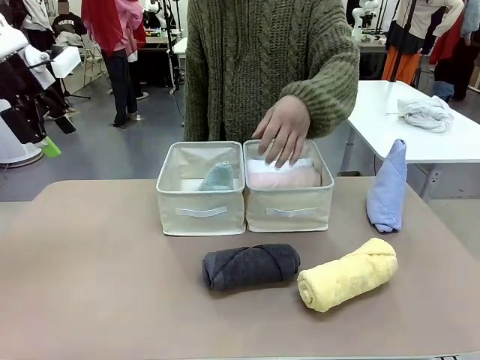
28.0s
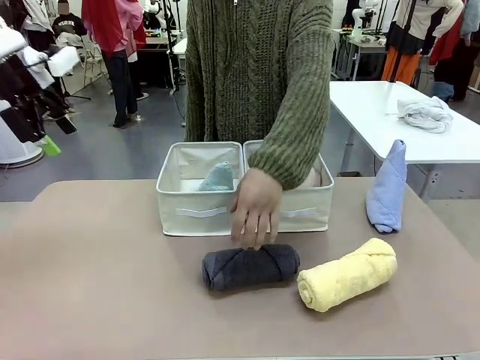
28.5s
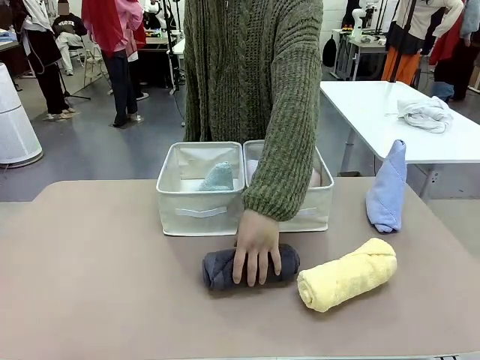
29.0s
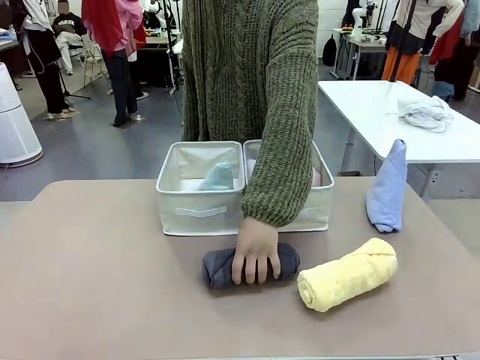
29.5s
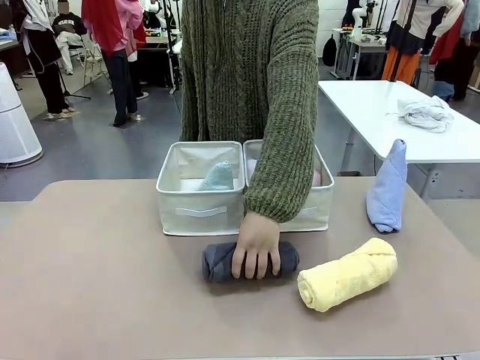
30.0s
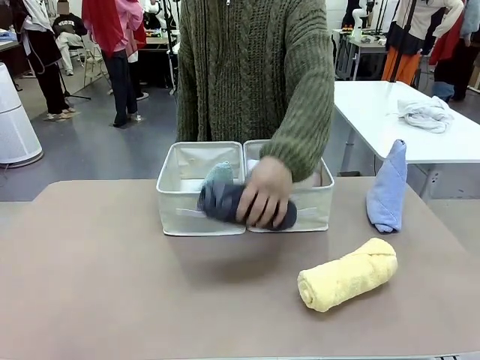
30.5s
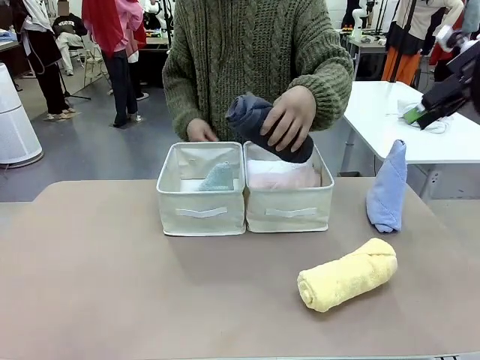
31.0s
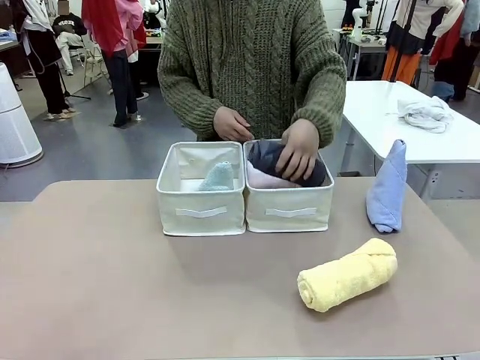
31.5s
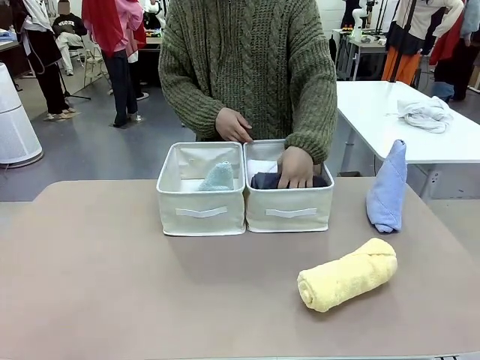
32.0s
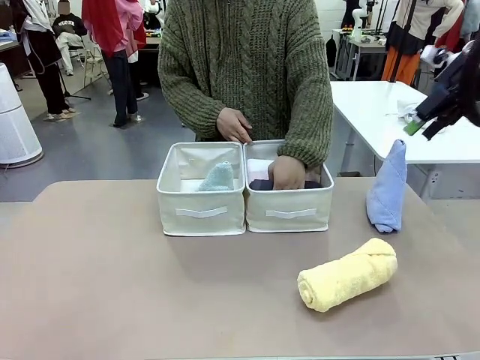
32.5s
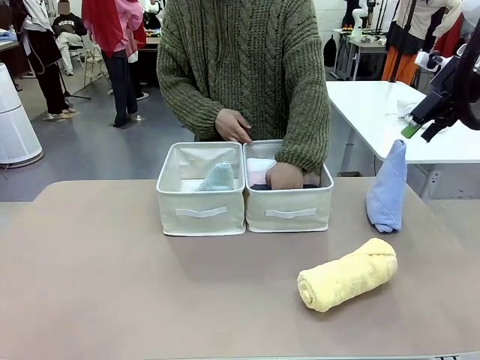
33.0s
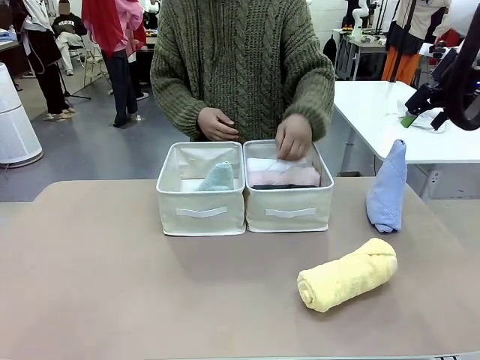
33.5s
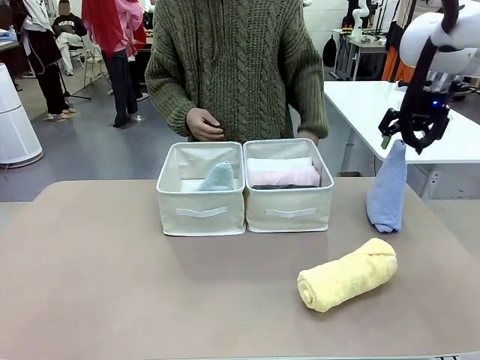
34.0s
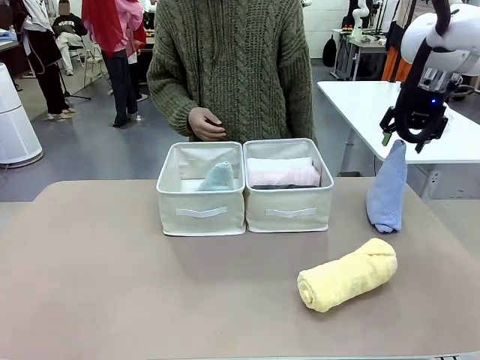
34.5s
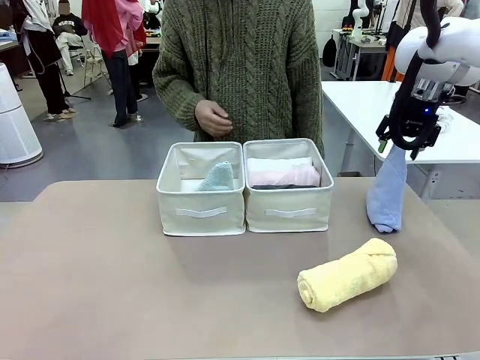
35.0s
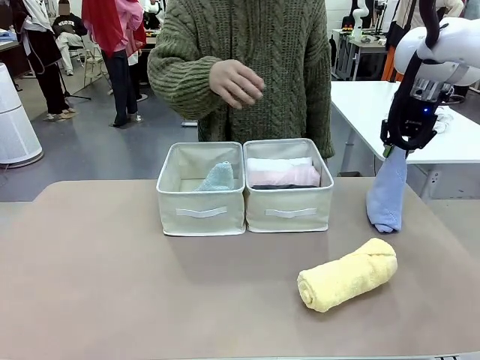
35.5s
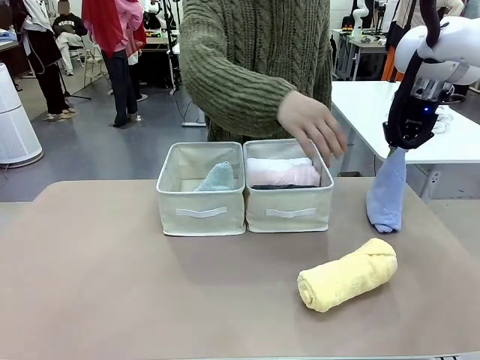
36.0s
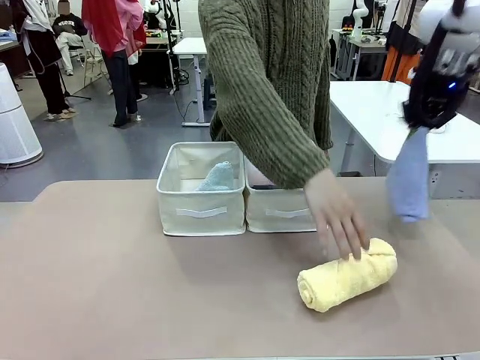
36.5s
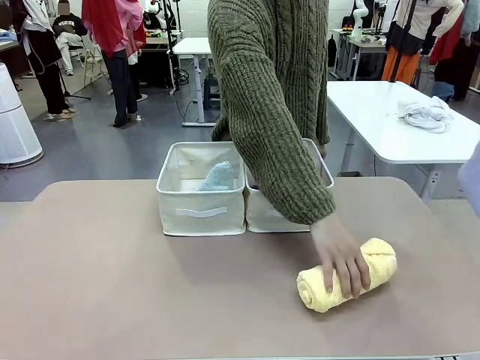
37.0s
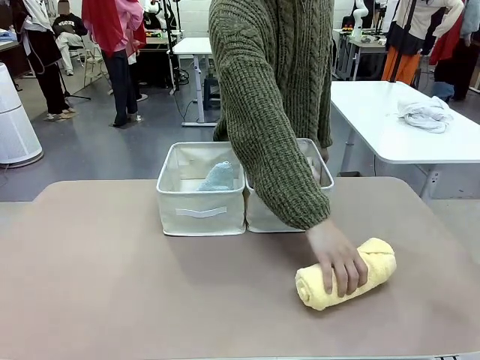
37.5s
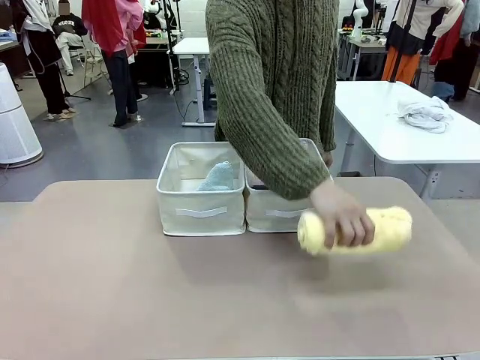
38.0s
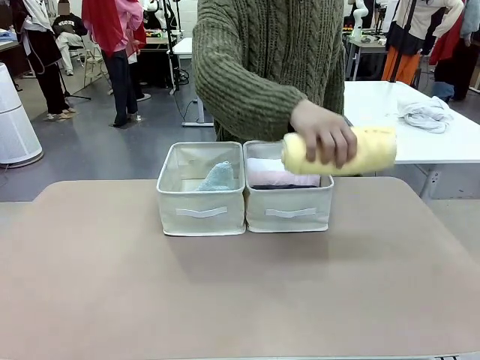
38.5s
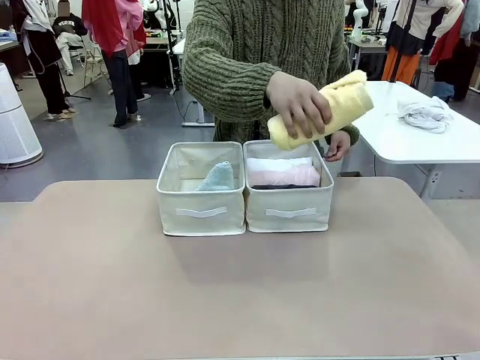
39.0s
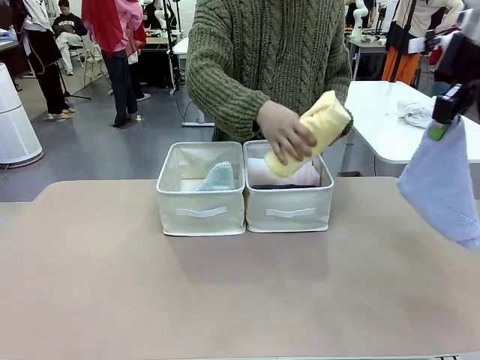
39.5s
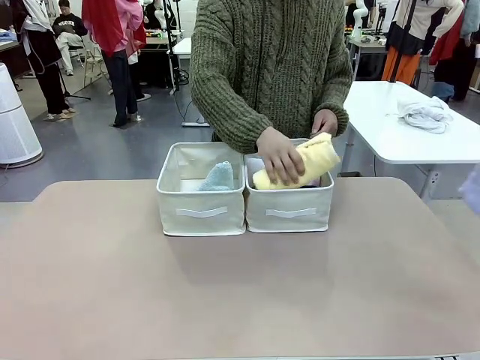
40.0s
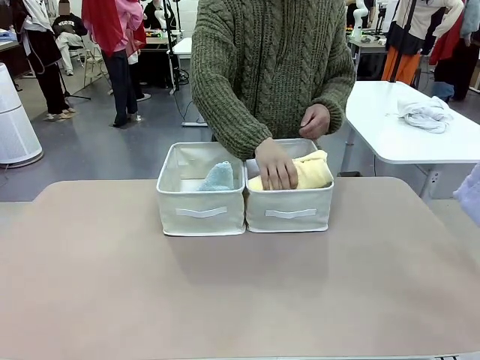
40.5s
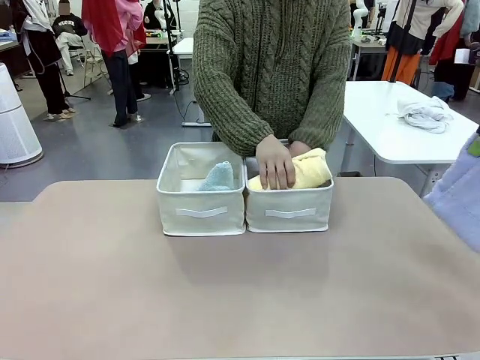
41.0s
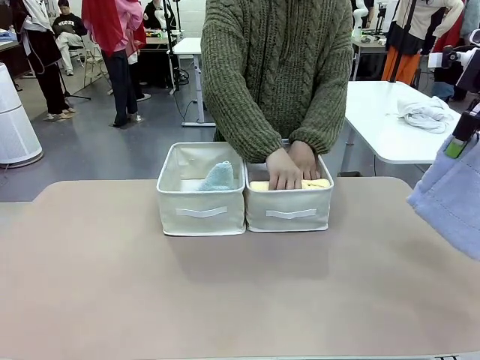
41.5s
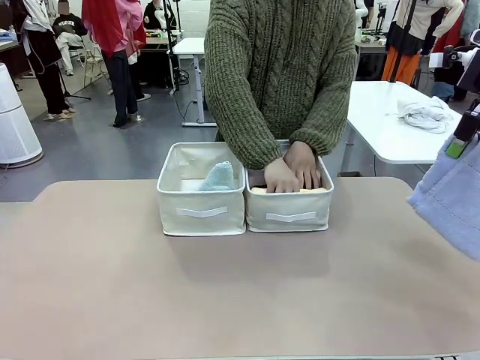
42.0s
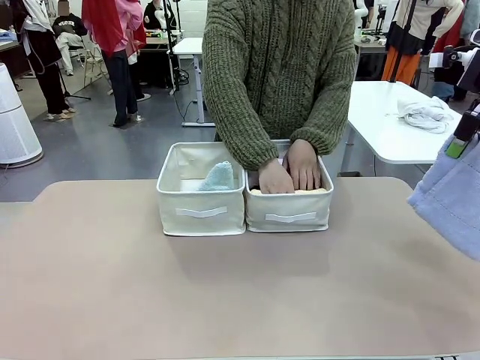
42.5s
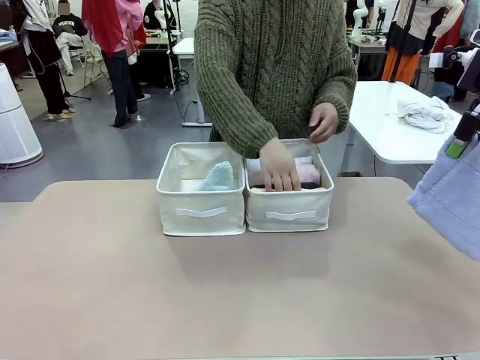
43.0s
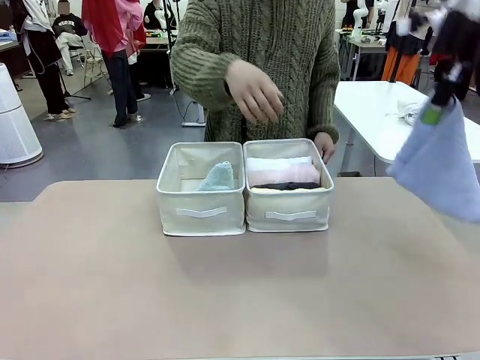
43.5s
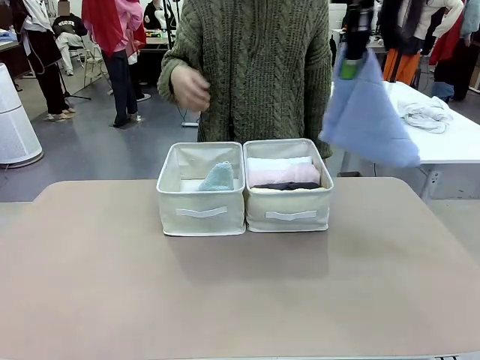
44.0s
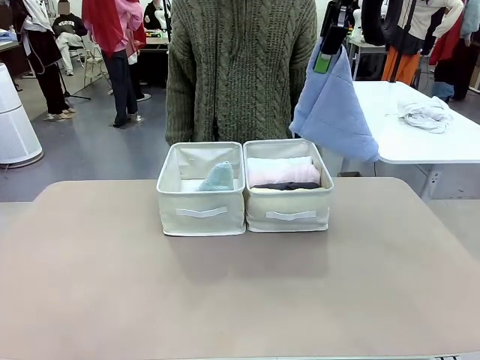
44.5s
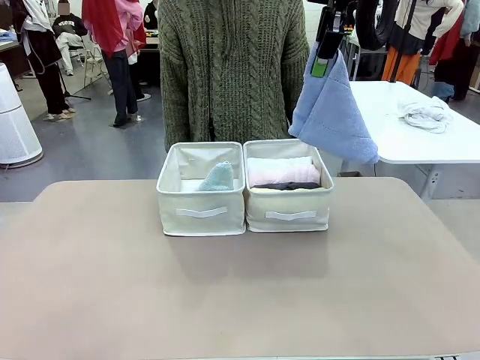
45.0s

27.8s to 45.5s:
Task: Sort the towels based on their folding style.
Robot: Pick up another triangle-folded towel from the table and place it in the left Fabric basket.

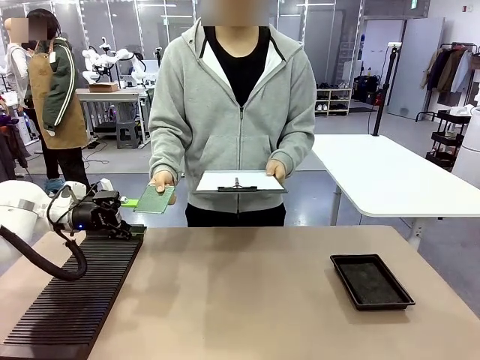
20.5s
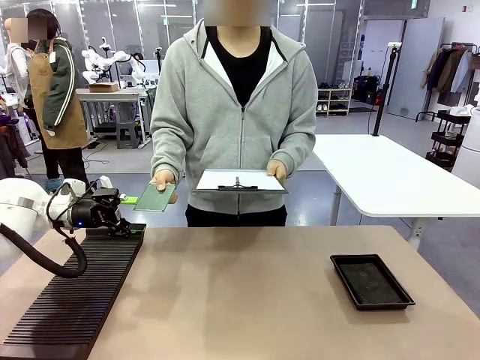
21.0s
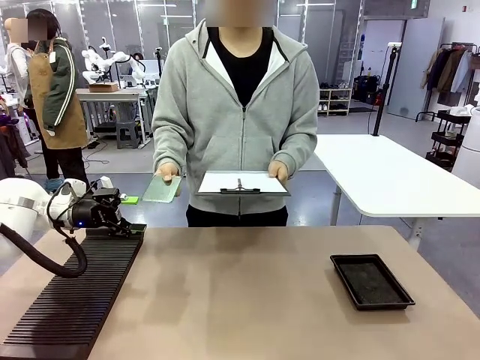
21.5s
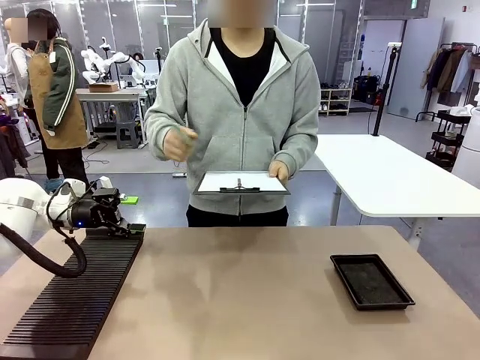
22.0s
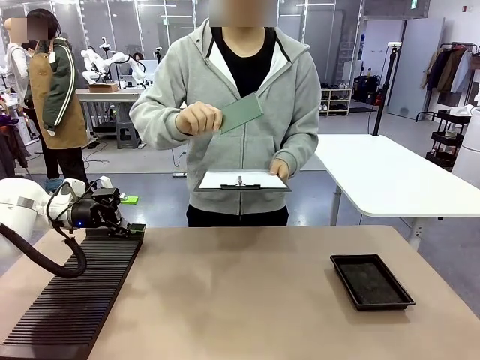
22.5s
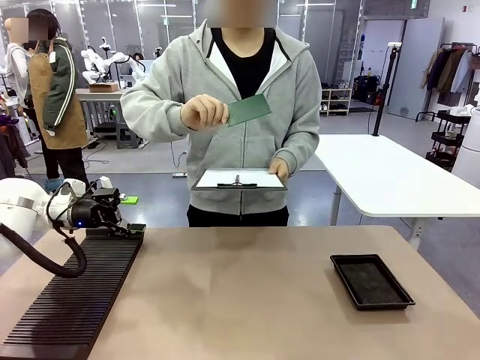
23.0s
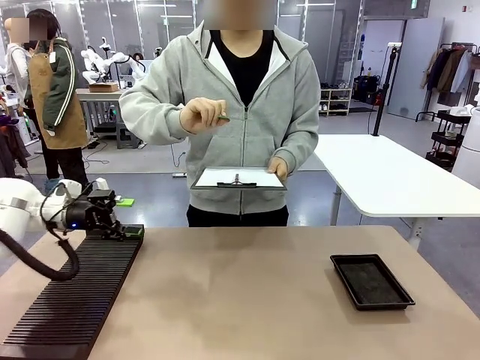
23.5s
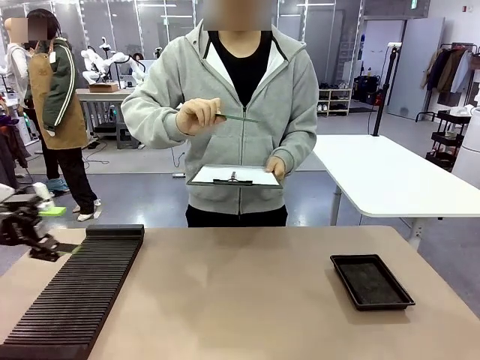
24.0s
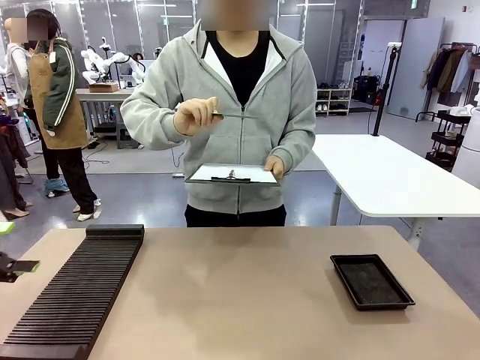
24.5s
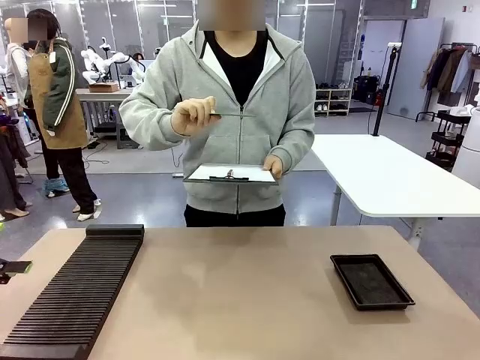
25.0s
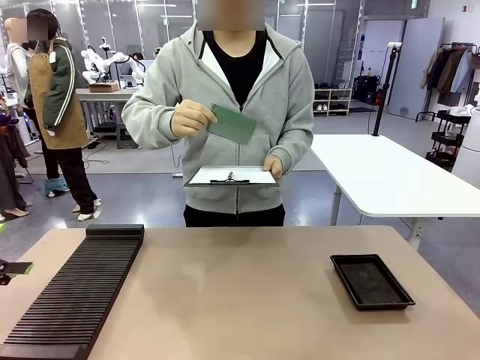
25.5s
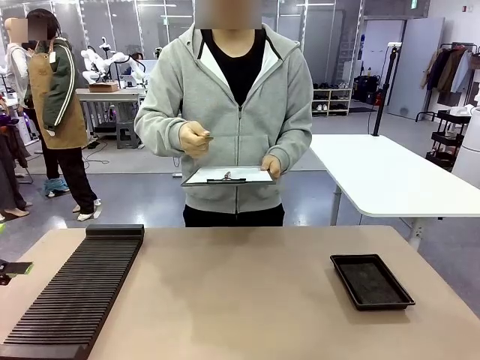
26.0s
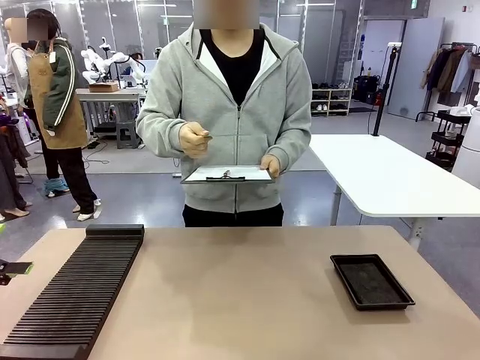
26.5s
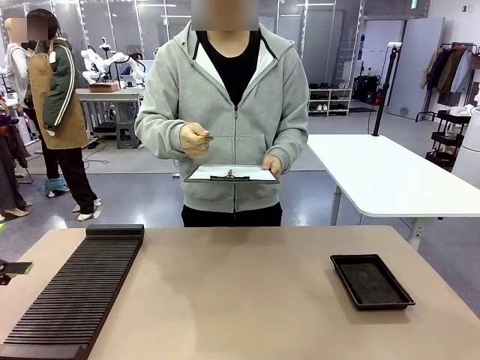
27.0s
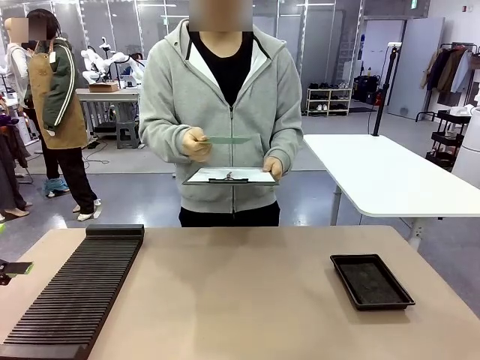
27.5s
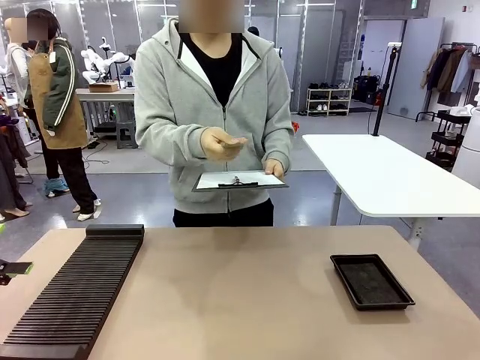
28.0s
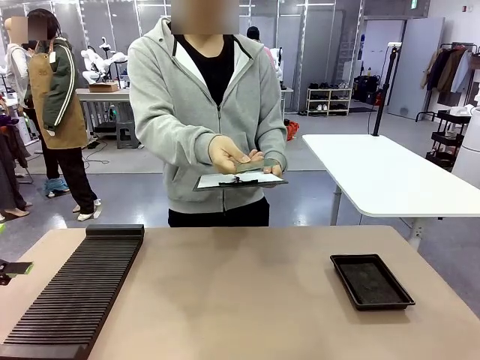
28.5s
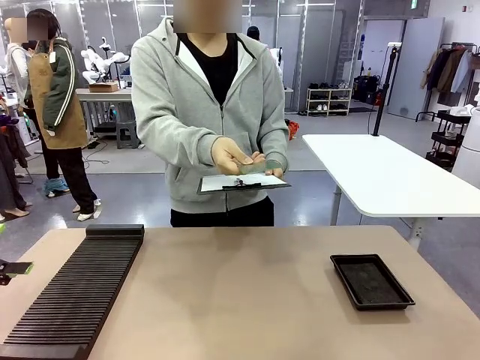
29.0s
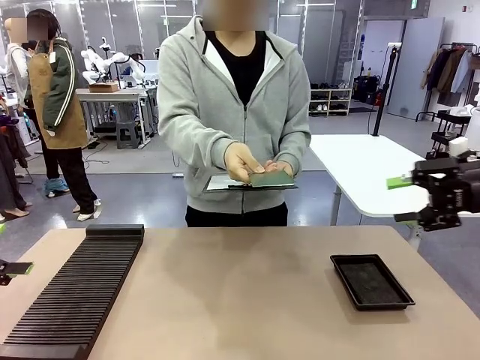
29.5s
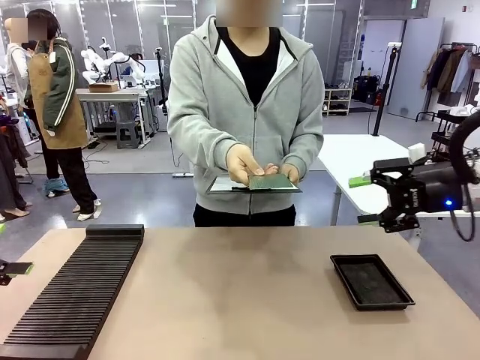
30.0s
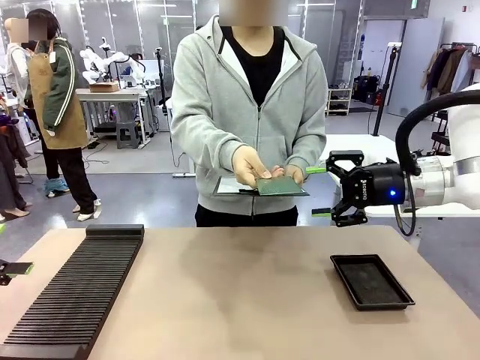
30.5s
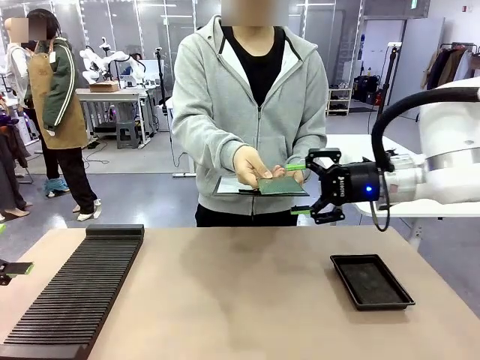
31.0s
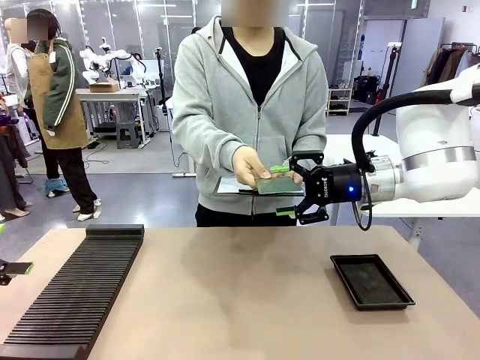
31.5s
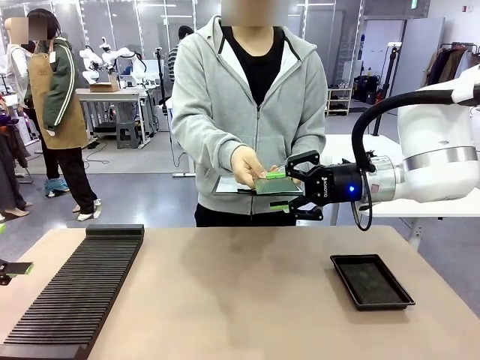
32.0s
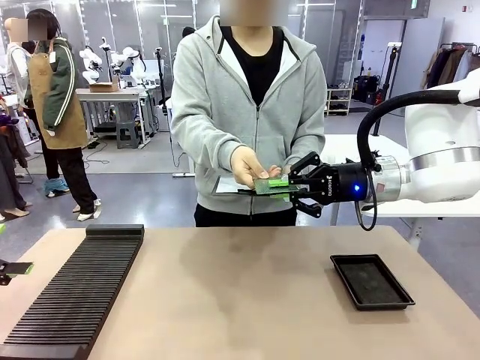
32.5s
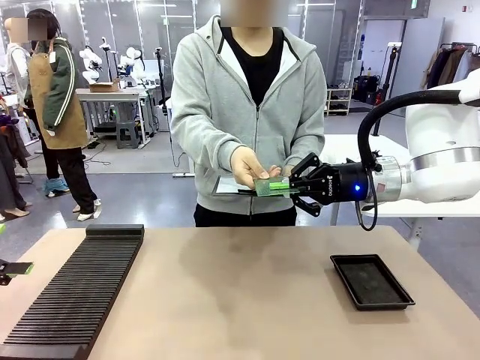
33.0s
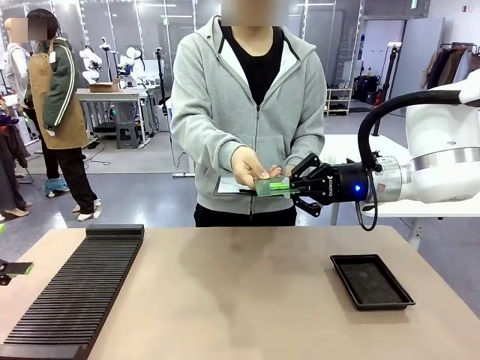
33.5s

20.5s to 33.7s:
Task: Inspect the PCB.
Robot: Pick up the Blank PCB that the human is holding.
Person: Inspect the PCB placed by the robot, then hold it out in front of the robot. Release the PCB you were holding.
